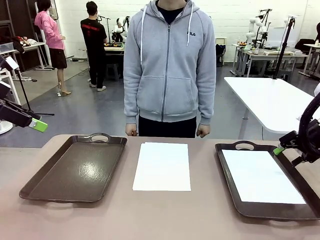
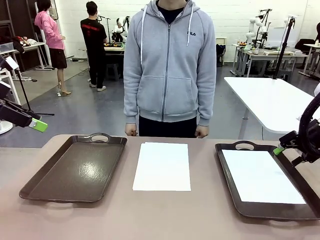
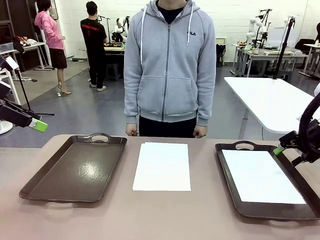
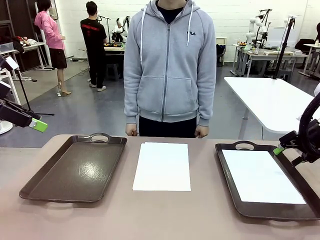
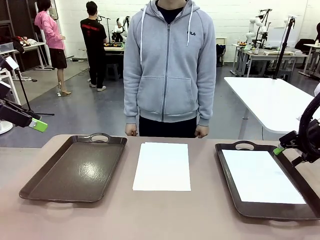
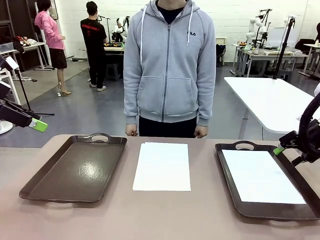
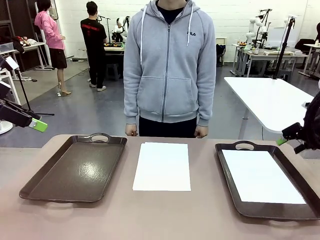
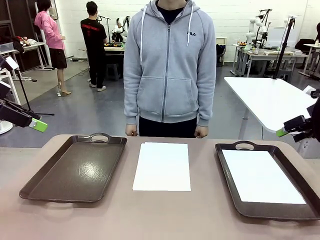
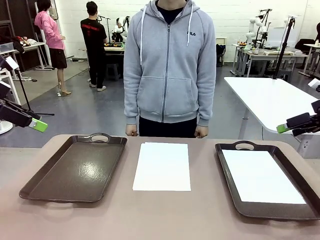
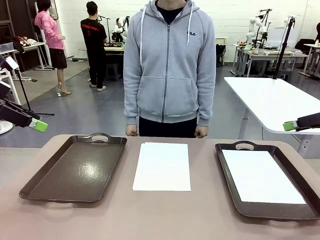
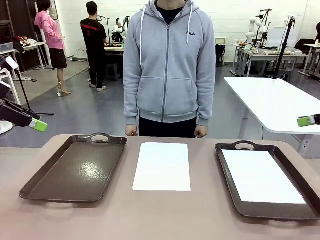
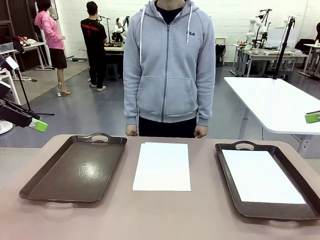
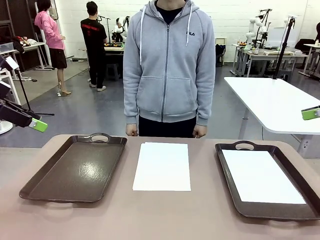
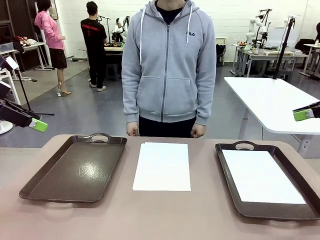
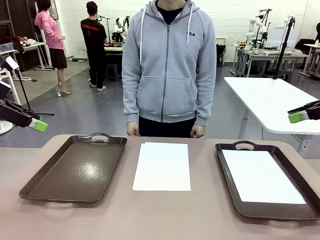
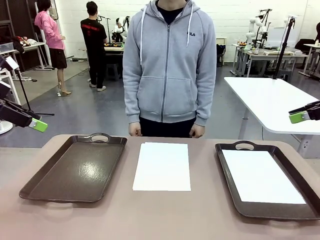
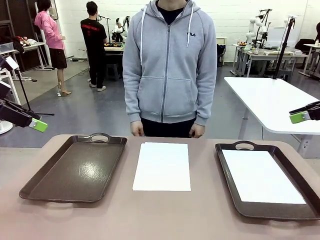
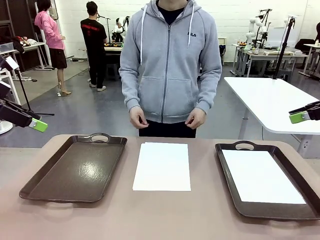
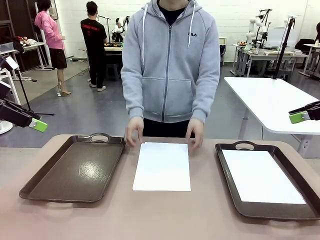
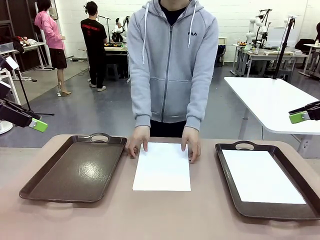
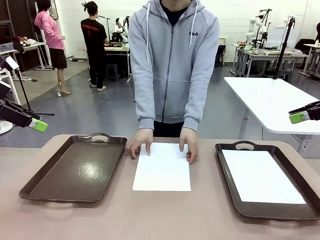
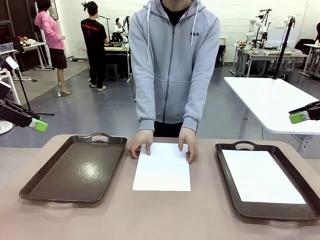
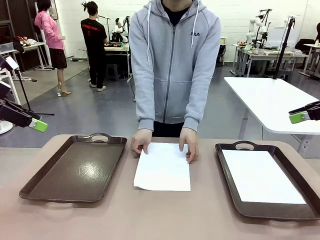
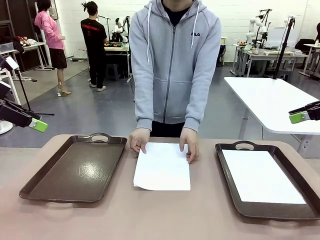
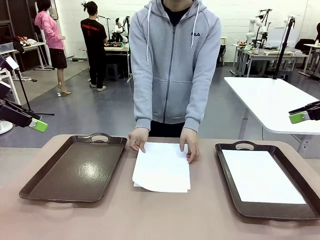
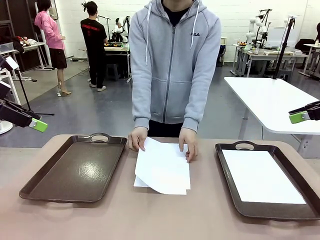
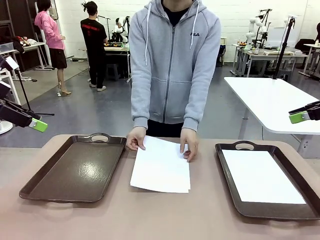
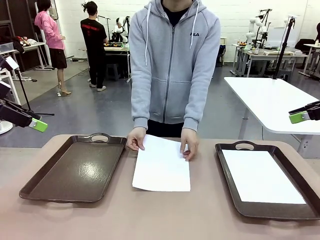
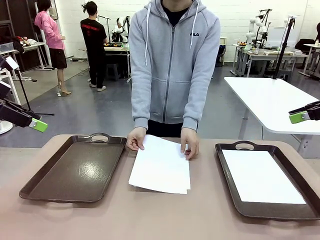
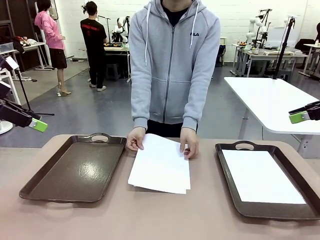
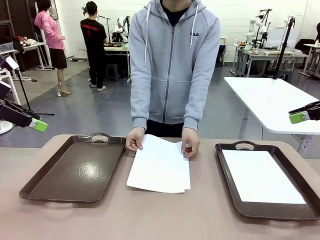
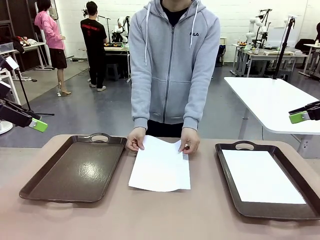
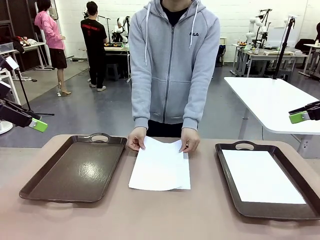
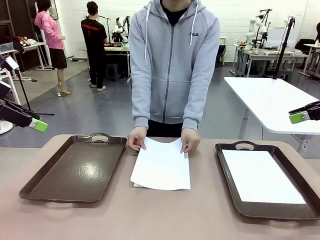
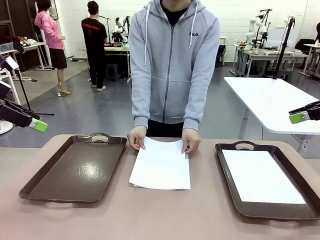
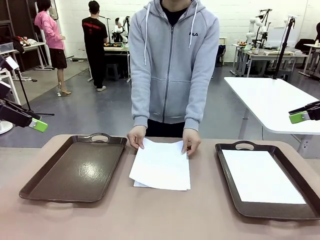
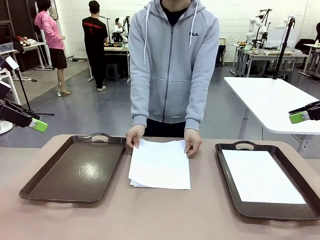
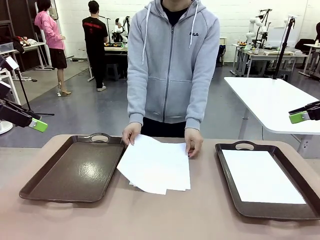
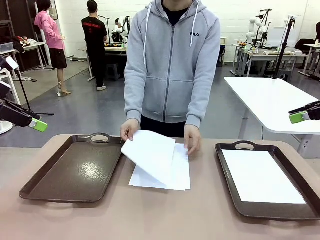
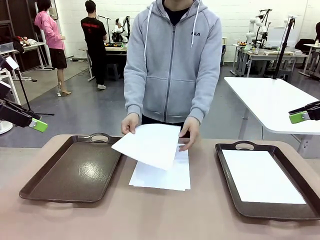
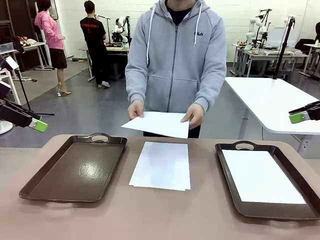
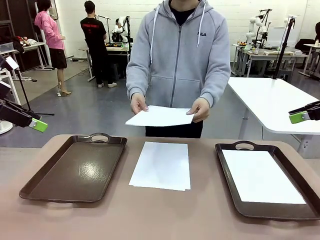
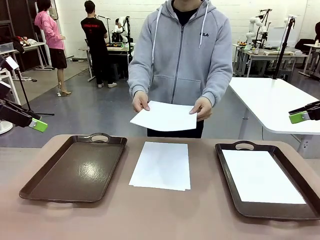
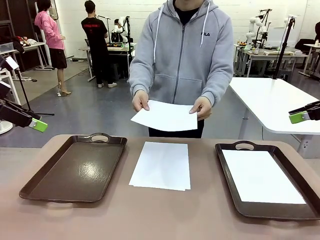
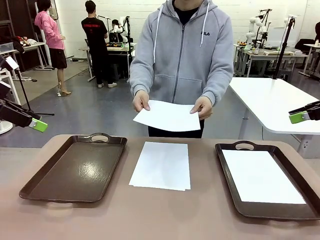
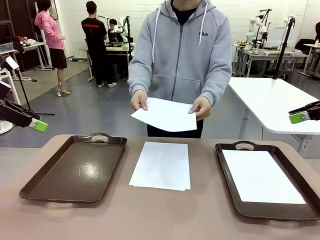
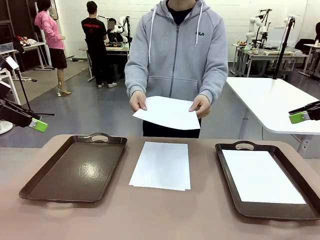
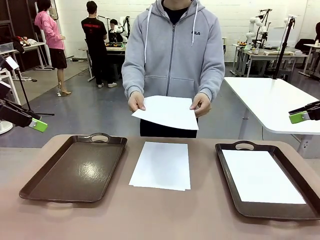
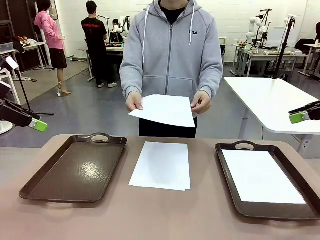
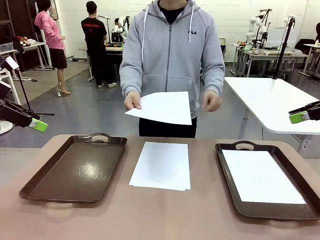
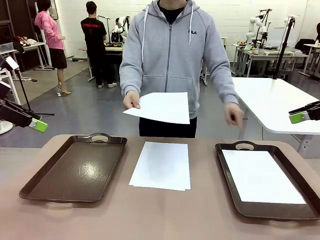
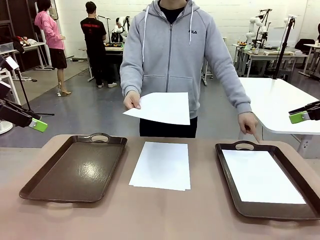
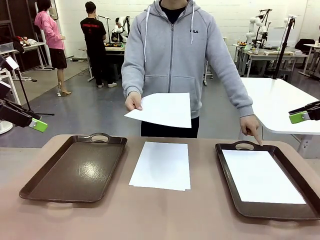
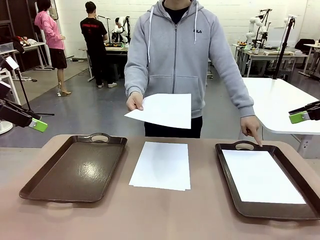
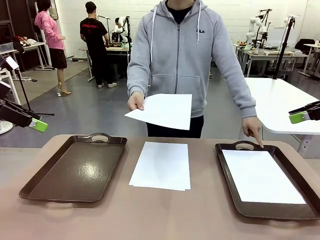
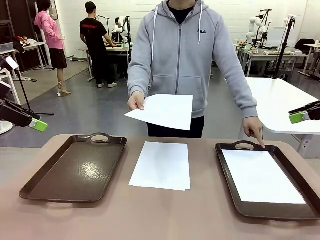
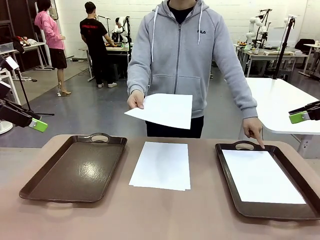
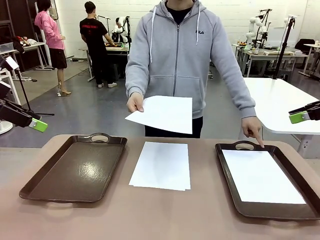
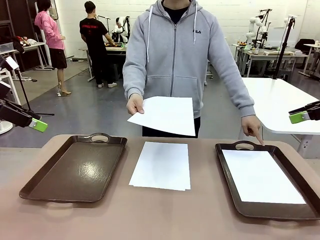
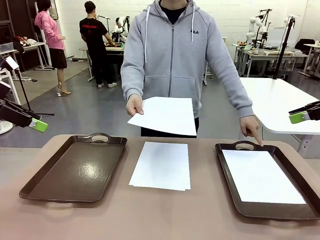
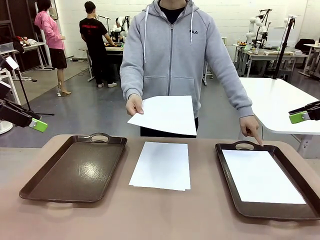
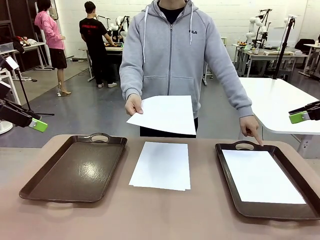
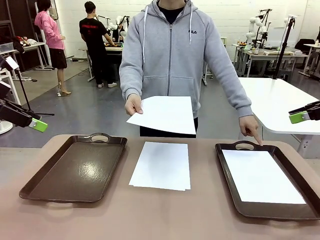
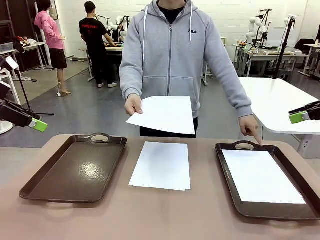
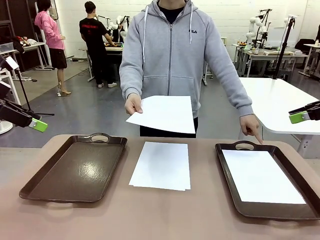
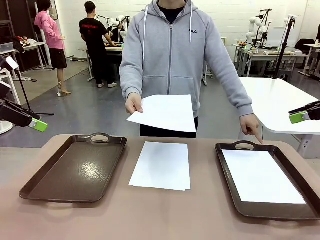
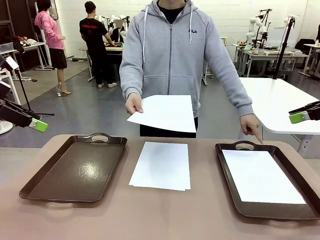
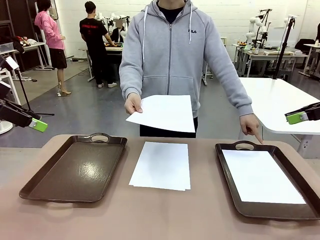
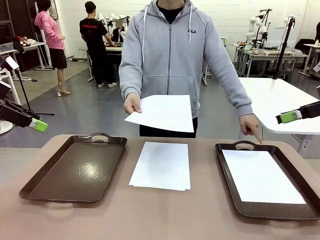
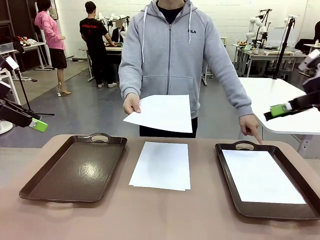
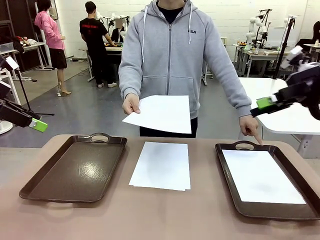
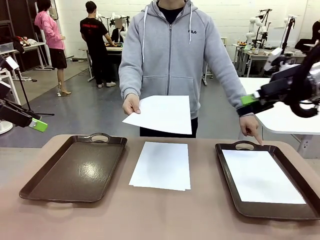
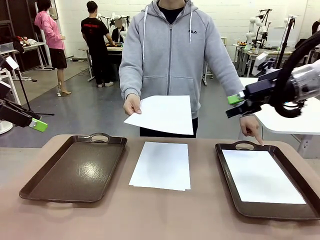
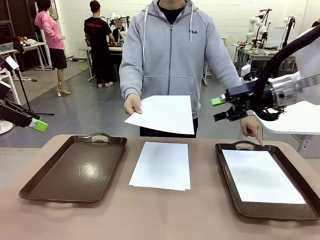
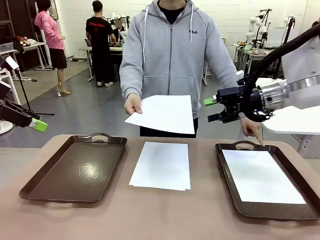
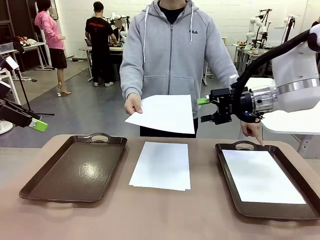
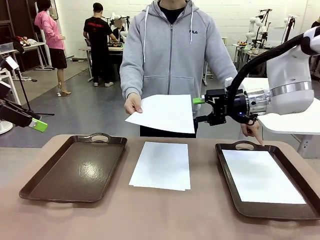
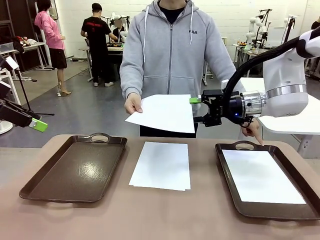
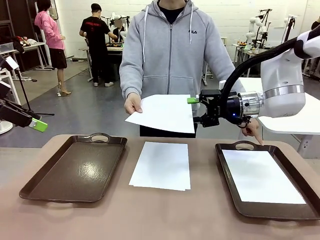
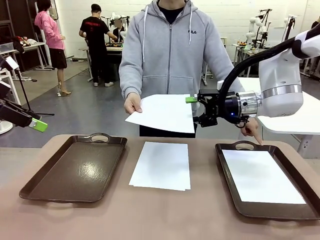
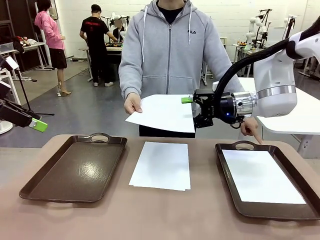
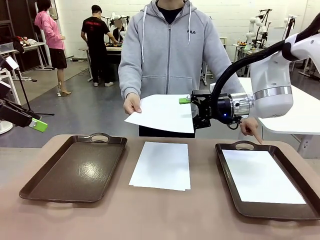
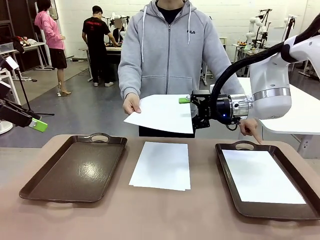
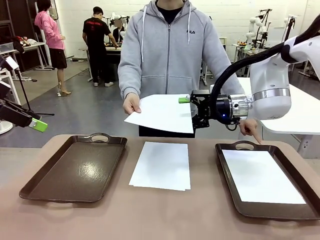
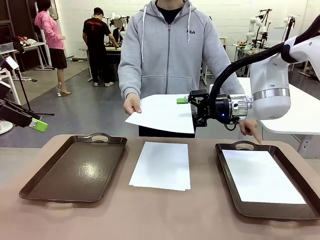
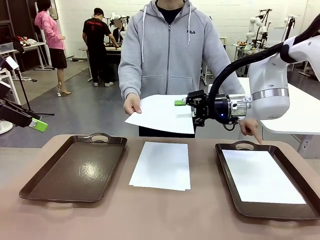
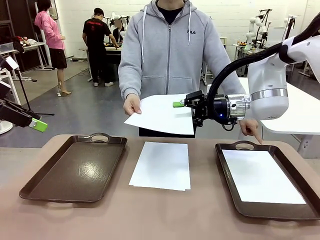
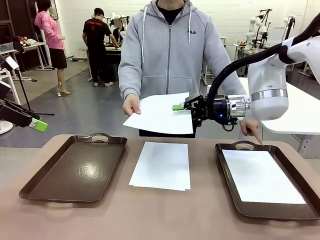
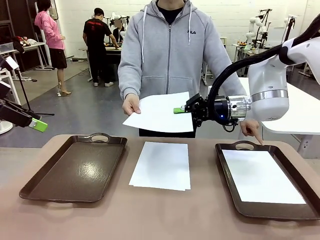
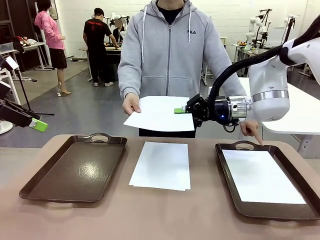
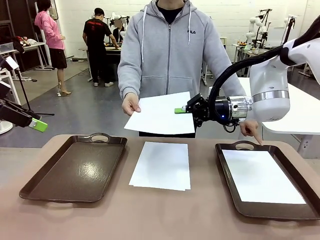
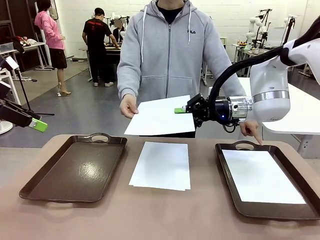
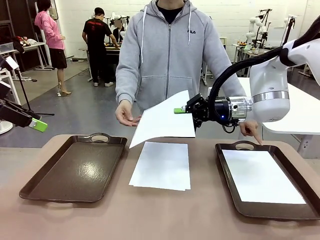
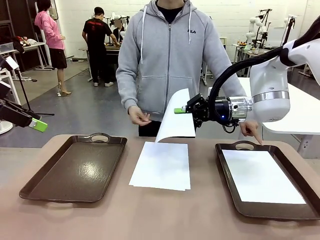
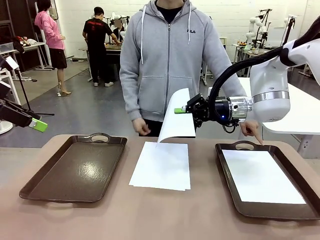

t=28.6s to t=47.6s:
Task: Sort the A4 documents.
Robot: Receive the A4 Paper.
Person: Point the randomly selected tray with the other hand.
